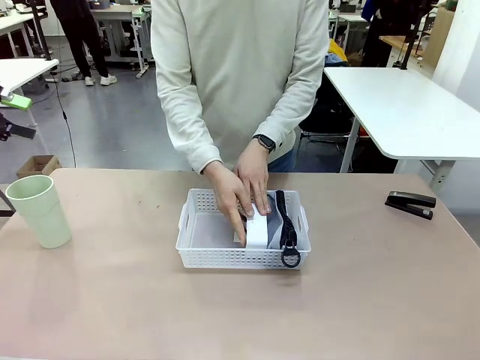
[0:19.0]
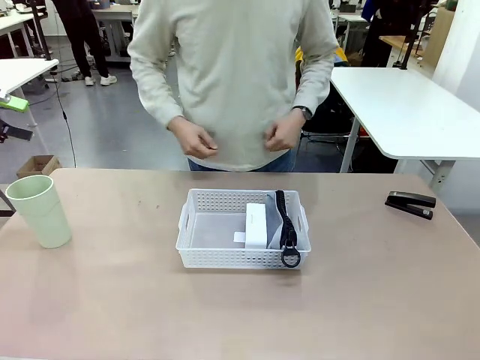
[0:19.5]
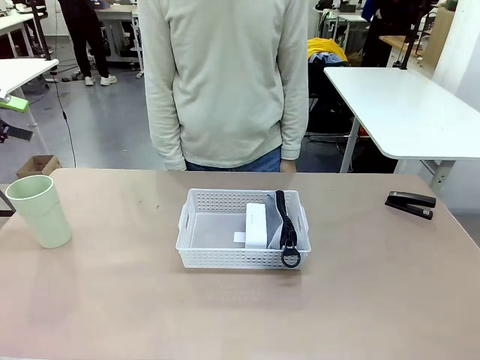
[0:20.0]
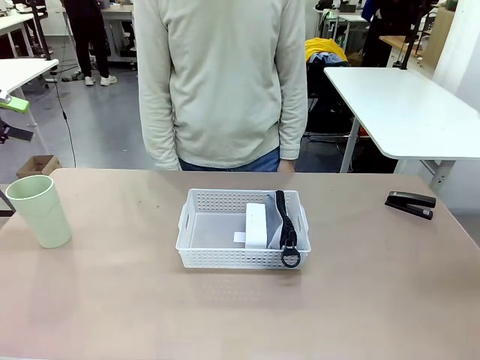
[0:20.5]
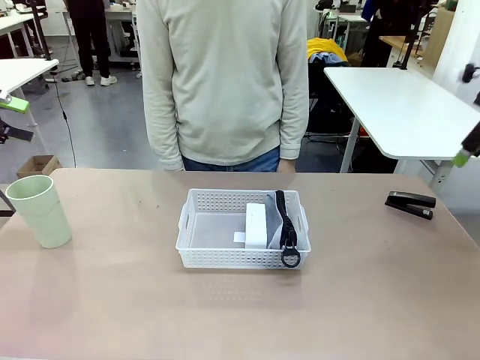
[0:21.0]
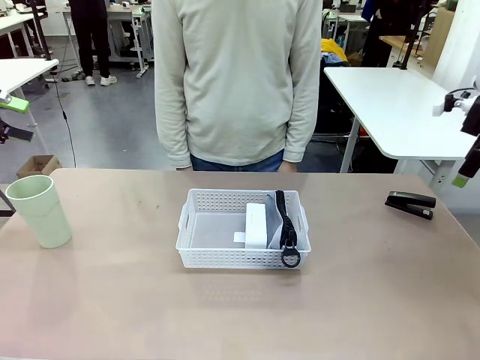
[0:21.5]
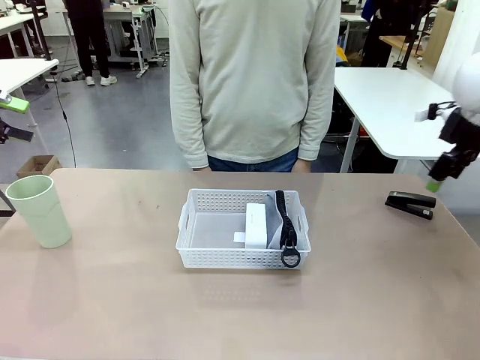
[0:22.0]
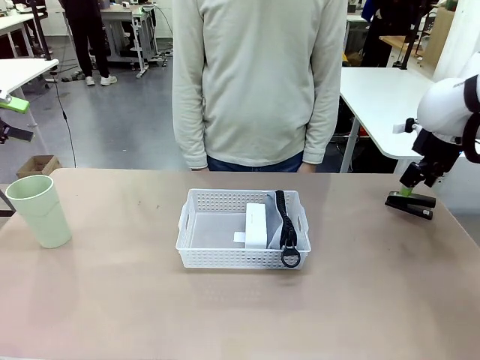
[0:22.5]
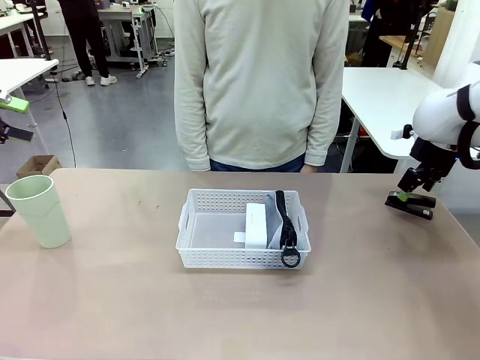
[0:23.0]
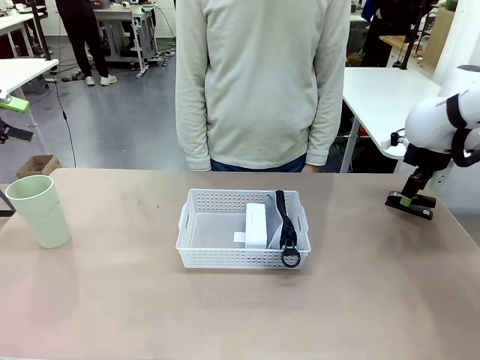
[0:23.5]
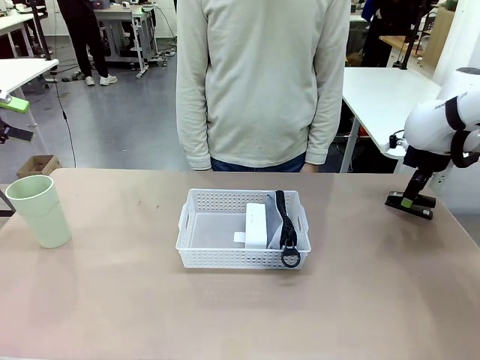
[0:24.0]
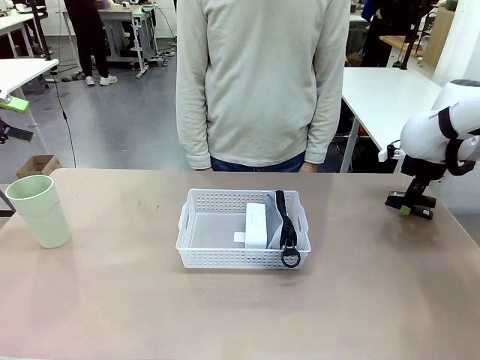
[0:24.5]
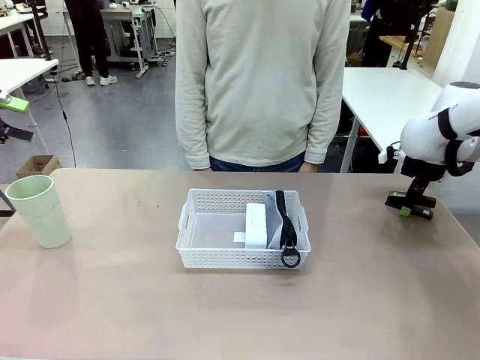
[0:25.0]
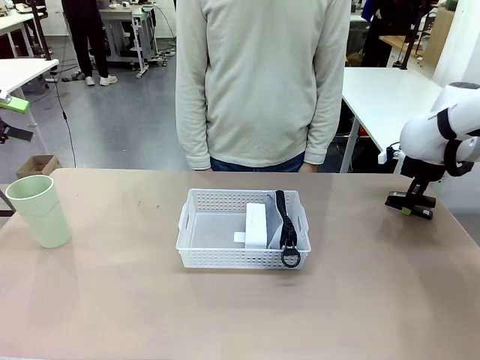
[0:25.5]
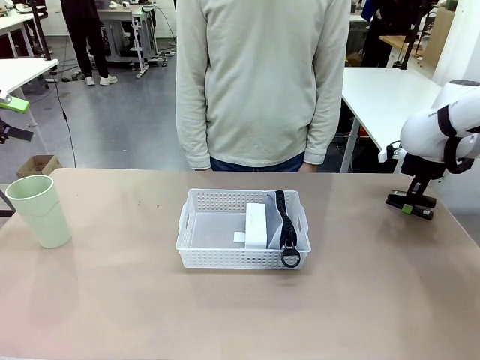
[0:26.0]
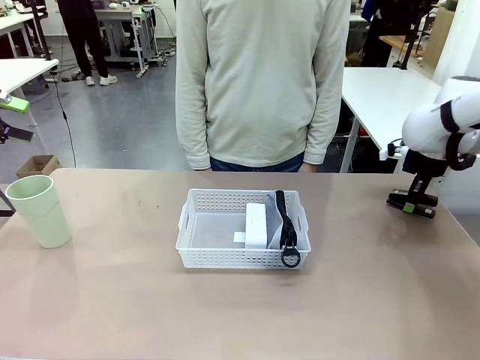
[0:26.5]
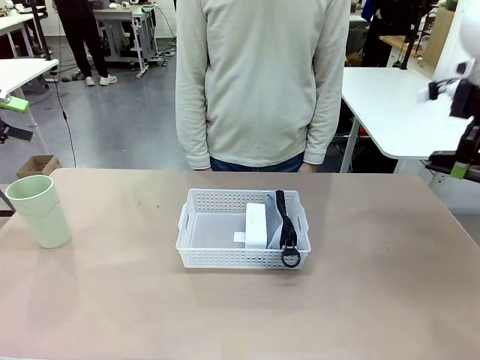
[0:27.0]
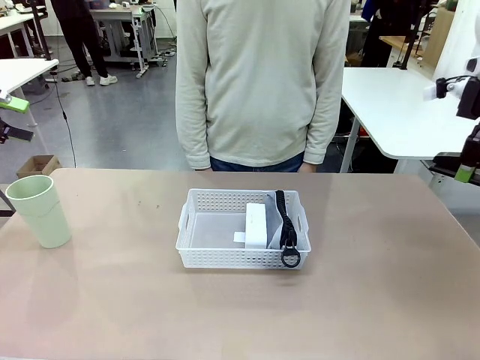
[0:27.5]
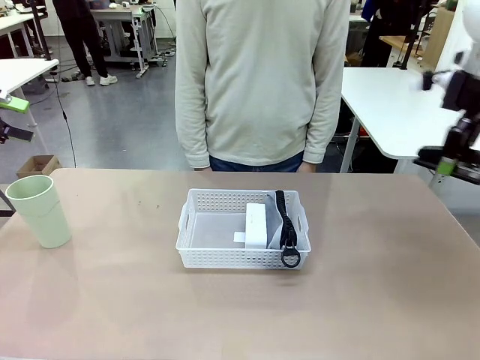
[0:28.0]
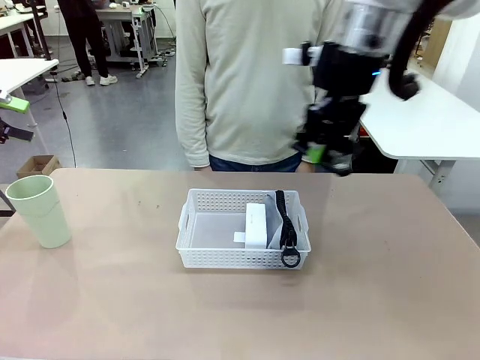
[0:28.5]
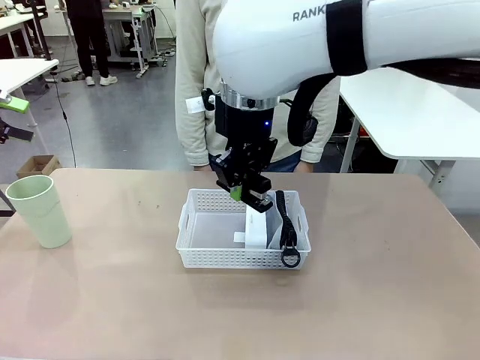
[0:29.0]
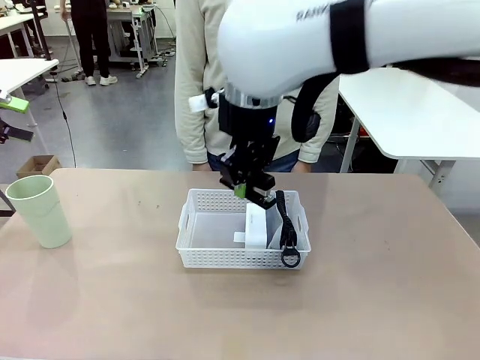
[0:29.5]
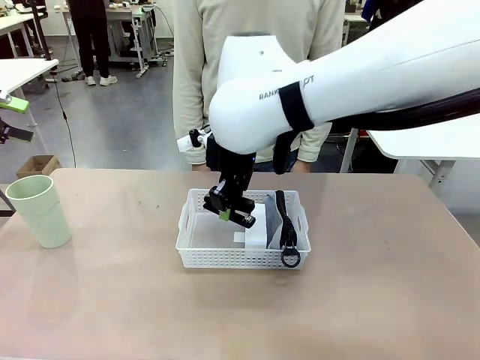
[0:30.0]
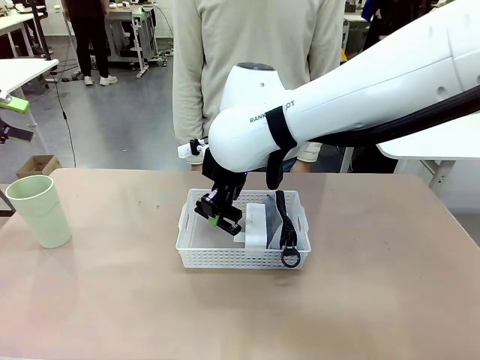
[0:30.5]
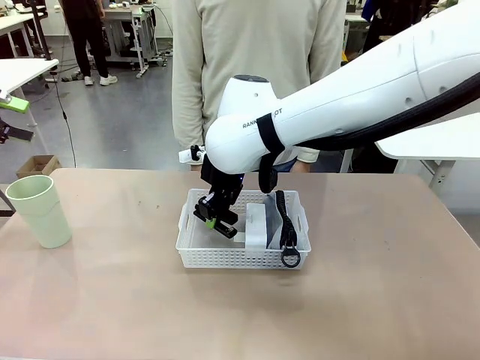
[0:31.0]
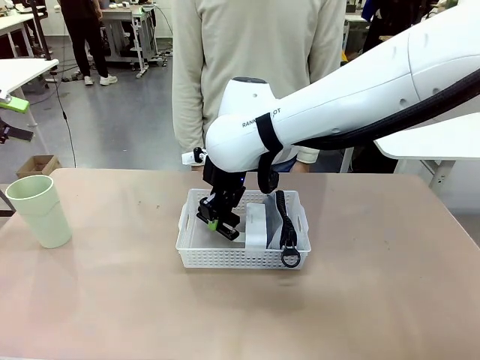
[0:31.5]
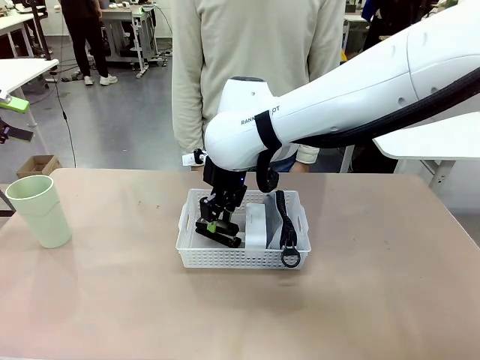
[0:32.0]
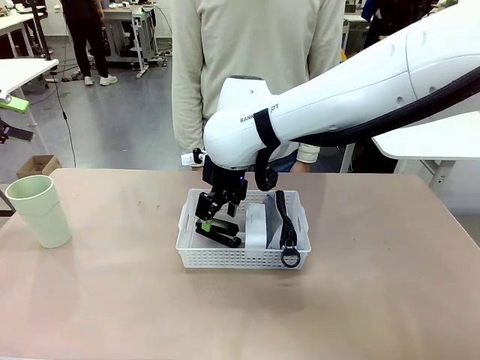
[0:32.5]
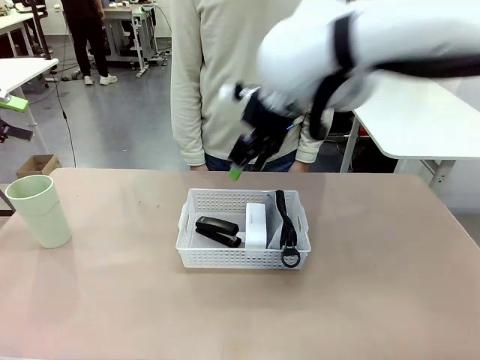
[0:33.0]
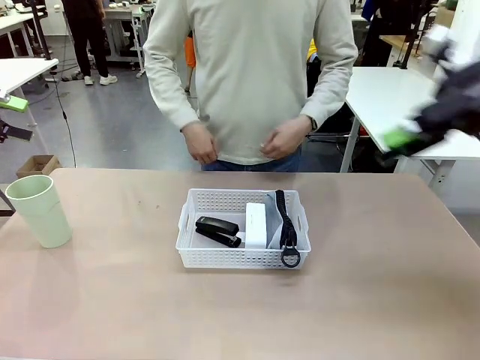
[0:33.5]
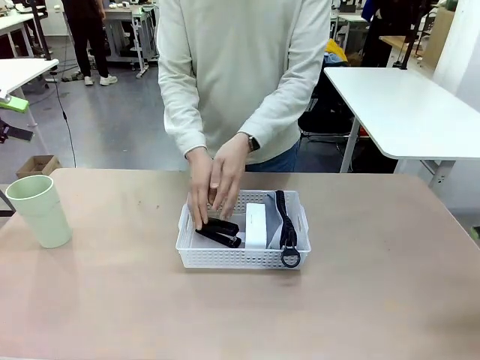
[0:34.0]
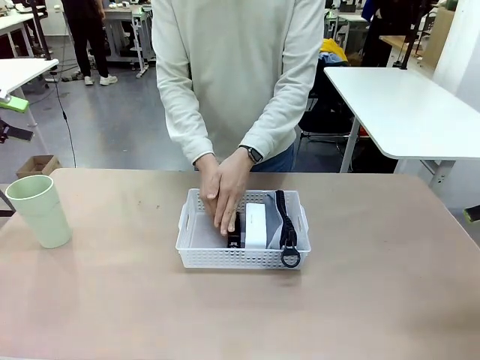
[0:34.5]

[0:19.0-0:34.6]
Task: Efficiently arrange items inside the basket to fit them all.
Robot: Pick up the Stapler and place it inside the Organizing basket.
